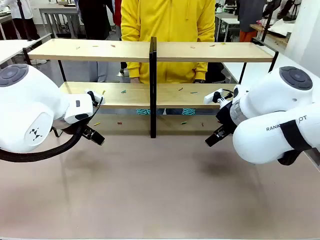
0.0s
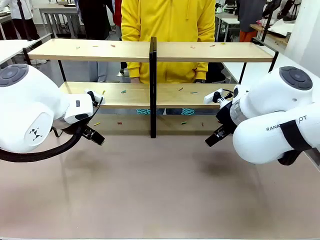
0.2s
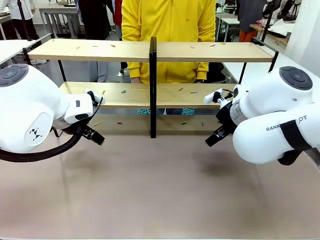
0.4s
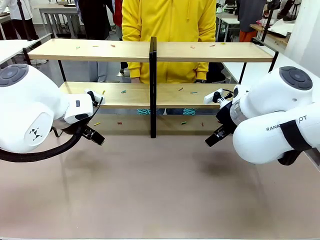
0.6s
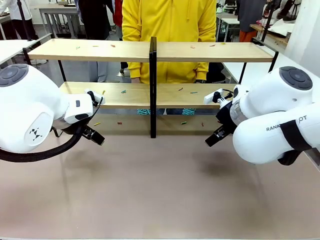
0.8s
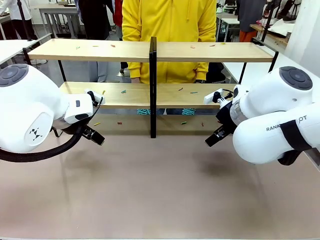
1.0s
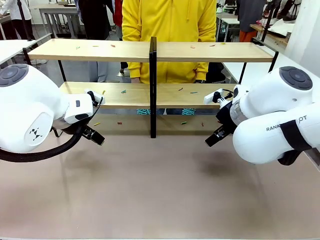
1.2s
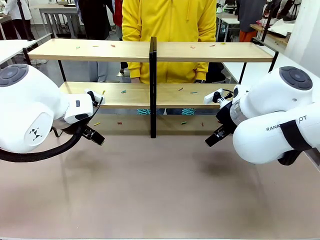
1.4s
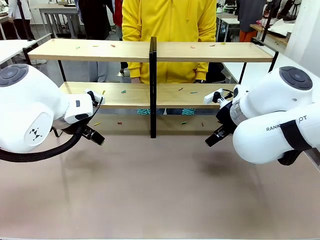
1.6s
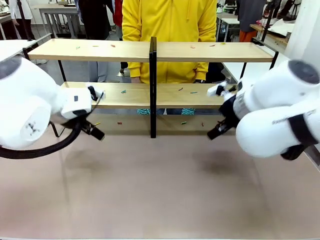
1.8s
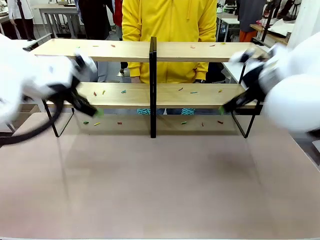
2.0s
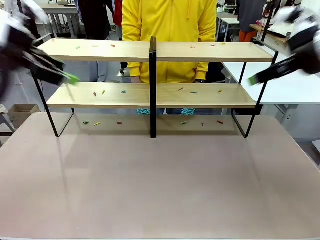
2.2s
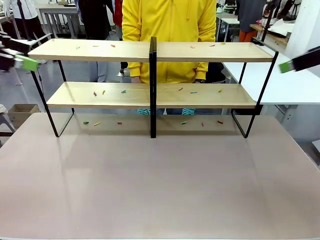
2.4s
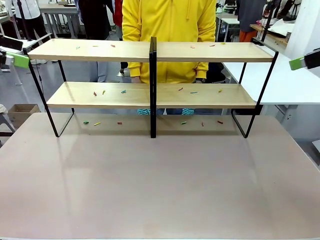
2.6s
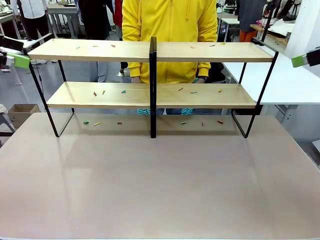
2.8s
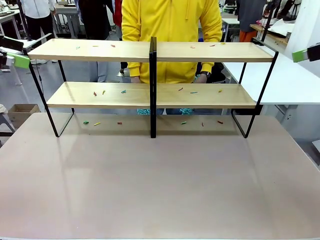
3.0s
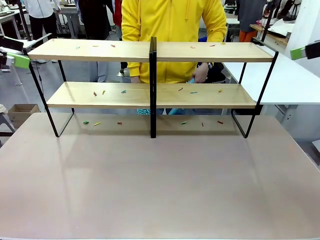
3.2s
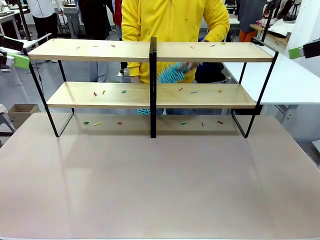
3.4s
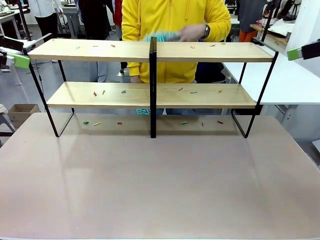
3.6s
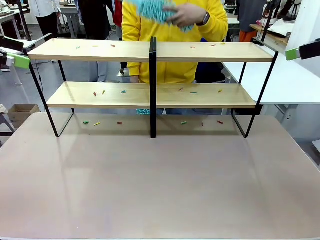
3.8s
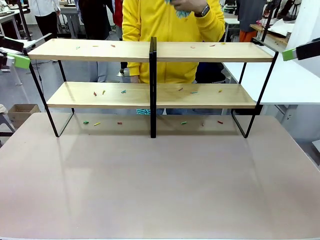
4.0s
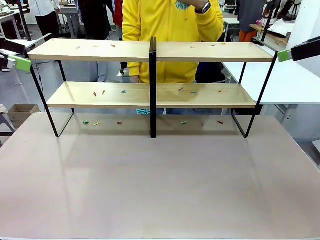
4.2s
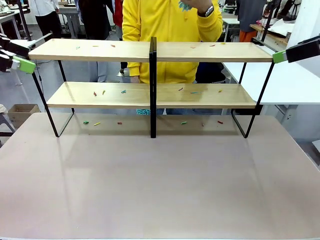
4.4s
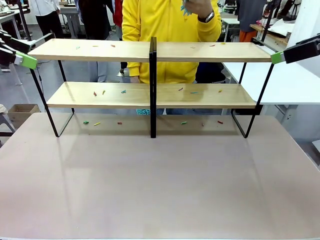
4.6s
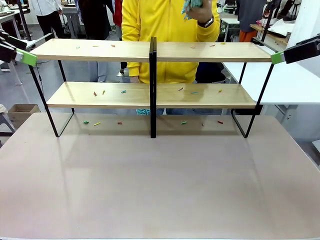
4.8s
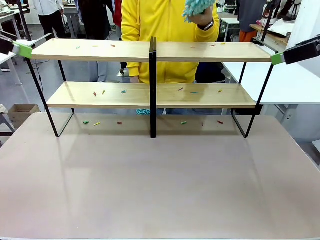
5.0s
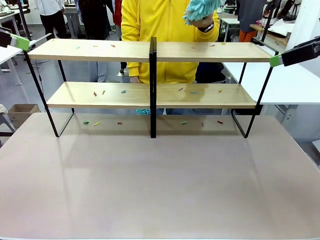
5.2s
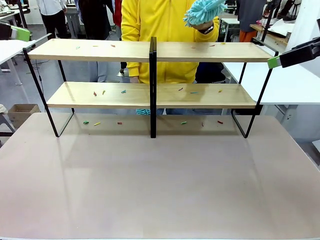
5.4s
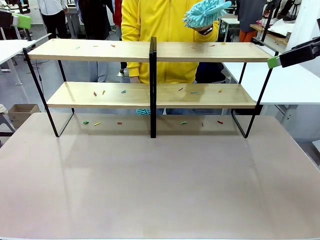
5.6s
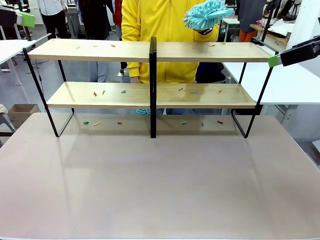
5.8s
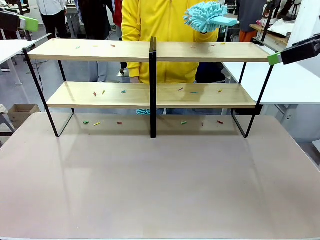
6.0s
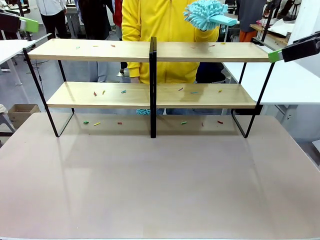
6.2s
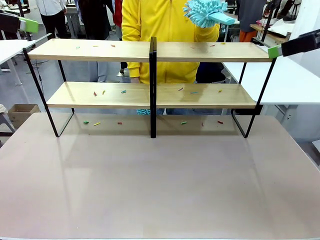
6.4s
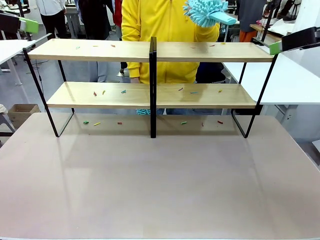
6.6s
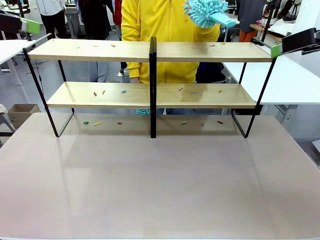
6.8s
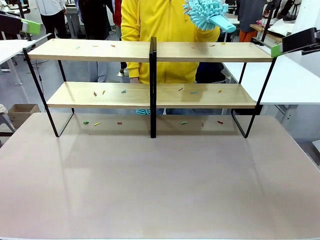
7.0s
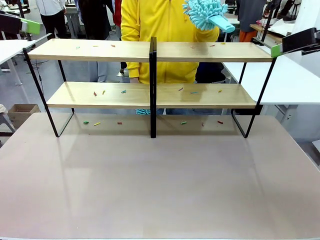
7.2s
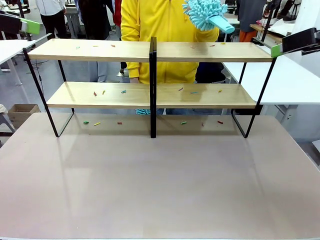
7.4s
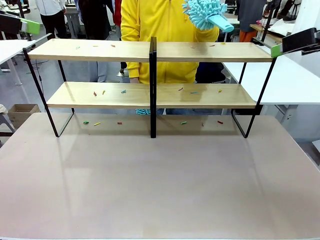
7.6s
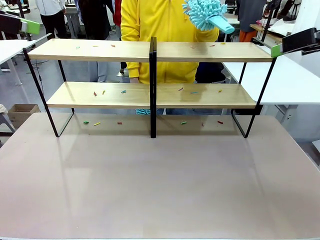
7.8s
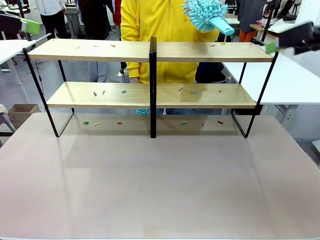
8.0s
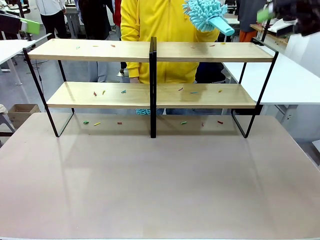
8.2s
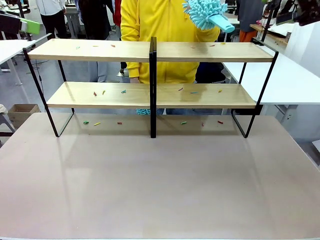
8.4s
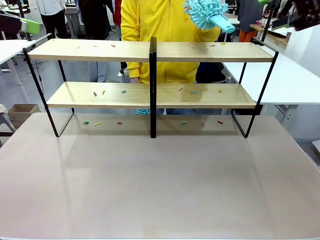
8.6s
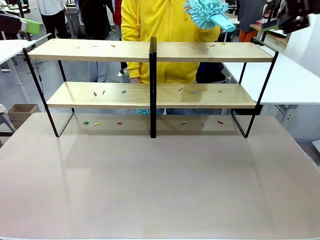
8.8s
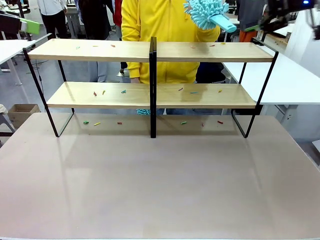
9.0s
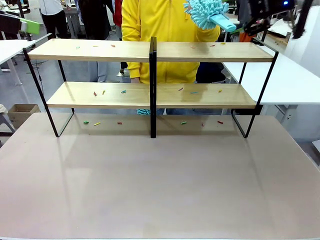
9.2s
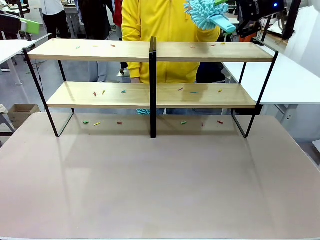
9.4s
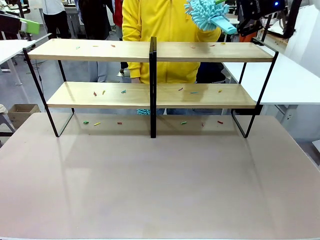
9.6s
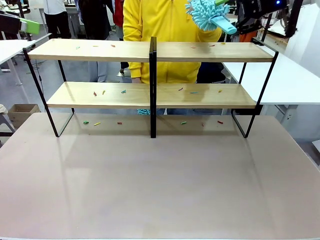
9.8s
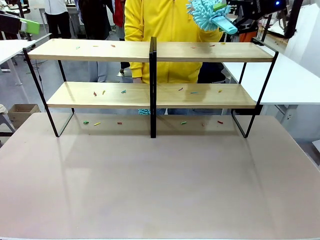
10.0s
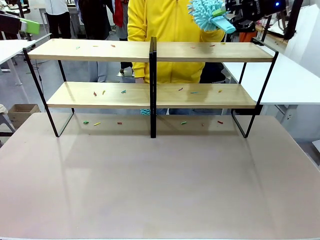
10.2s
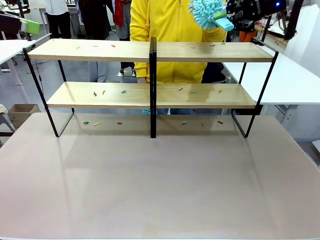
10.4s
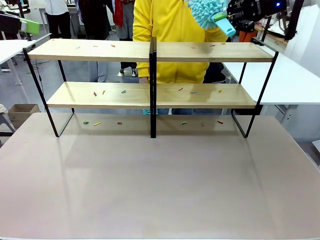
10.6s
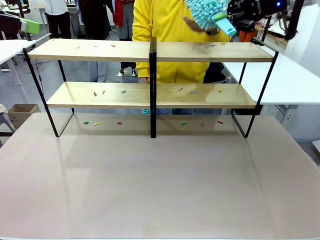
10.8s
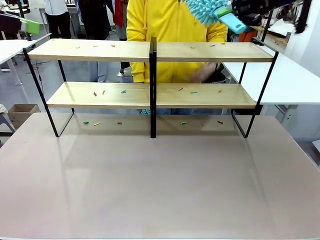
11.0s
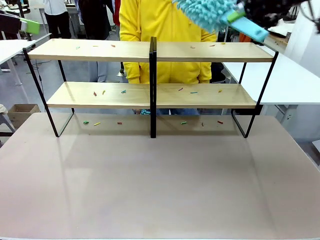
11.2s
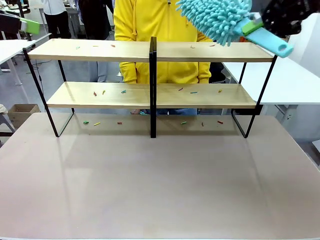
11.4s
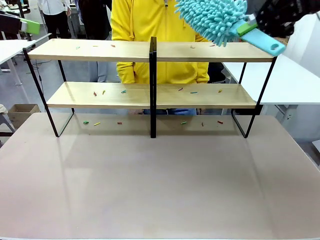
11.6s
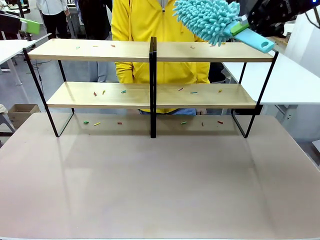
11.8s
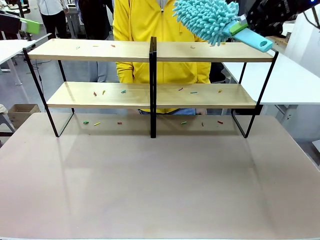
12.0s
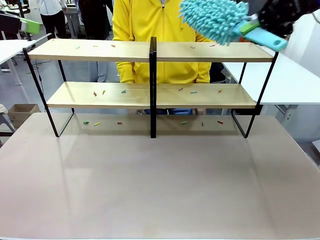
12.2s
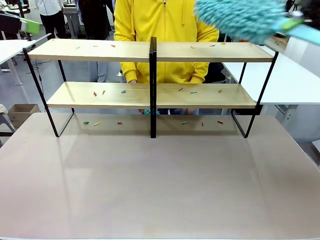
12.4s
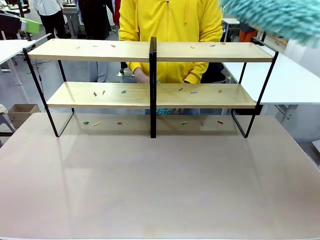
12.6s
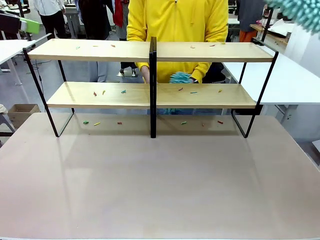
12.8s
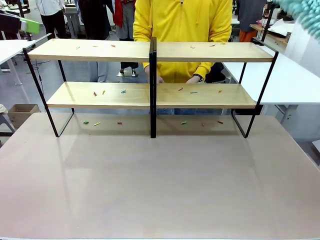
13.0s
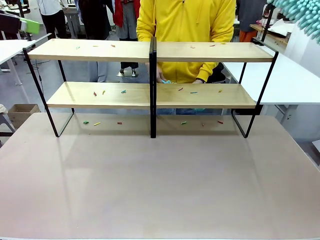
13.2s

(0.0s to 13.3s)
Task: Clean the shelves.
Robot: Pick up the Duster when the human hands it over.
Person: Hand the Duster to the robot with your right (or left) hand.

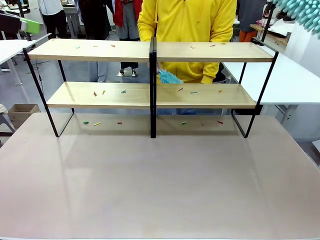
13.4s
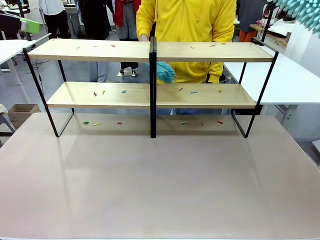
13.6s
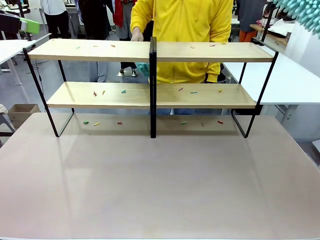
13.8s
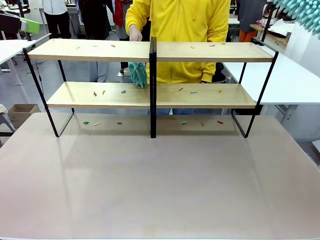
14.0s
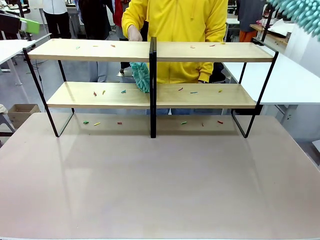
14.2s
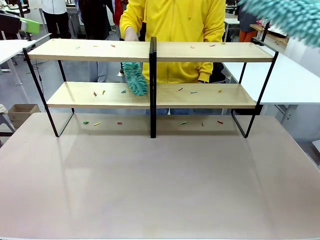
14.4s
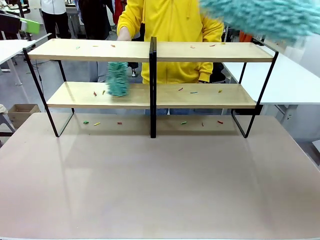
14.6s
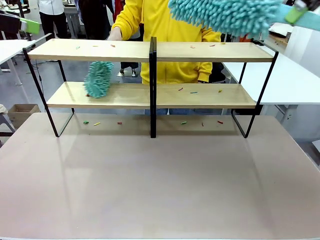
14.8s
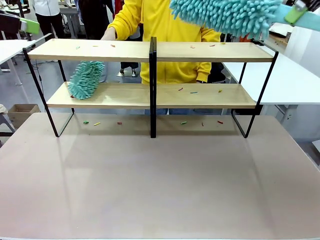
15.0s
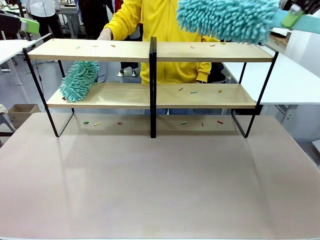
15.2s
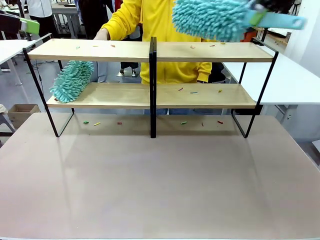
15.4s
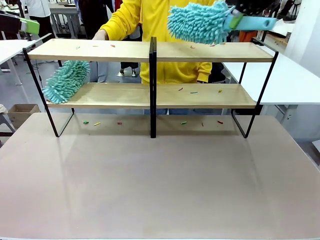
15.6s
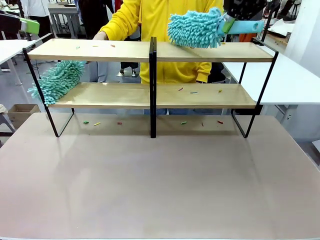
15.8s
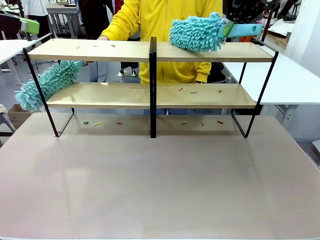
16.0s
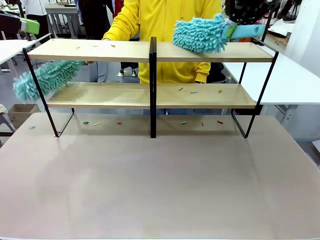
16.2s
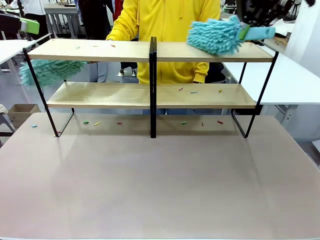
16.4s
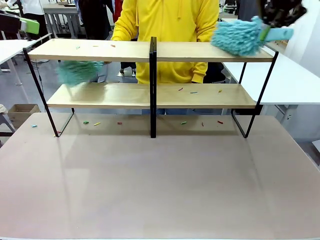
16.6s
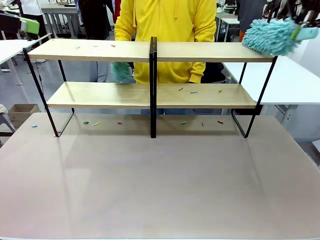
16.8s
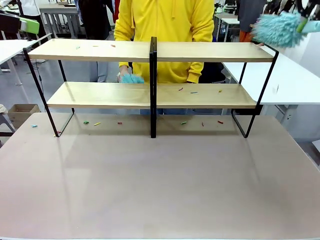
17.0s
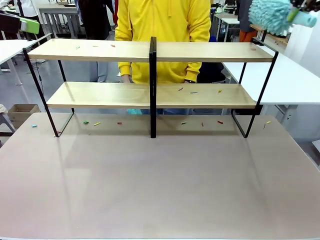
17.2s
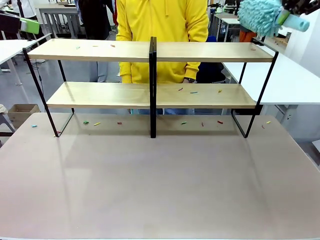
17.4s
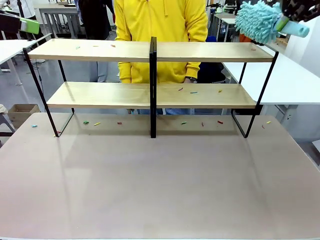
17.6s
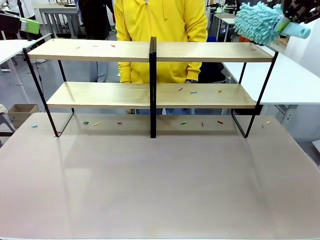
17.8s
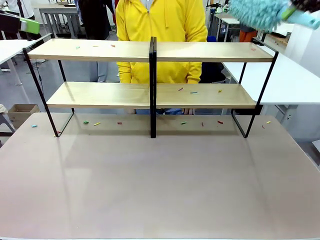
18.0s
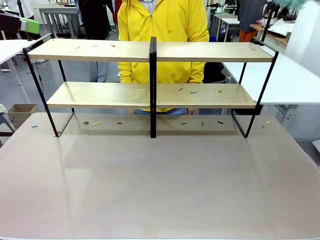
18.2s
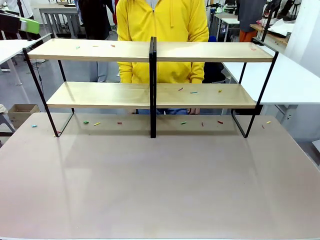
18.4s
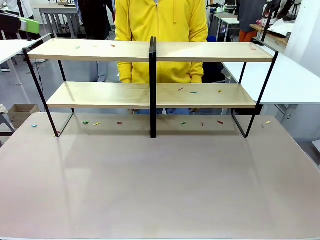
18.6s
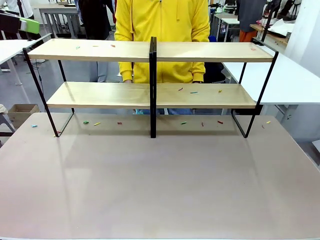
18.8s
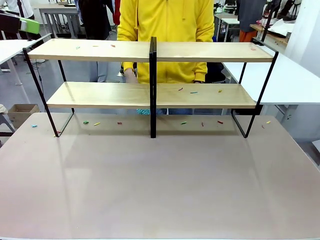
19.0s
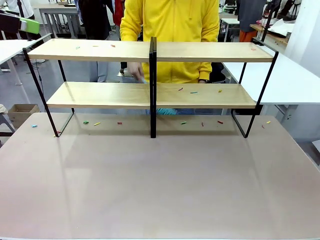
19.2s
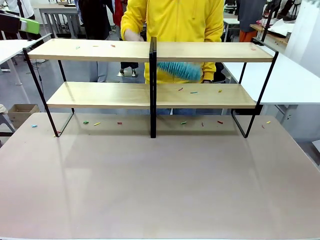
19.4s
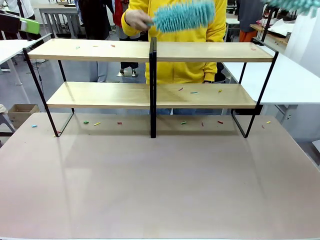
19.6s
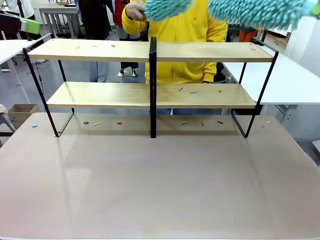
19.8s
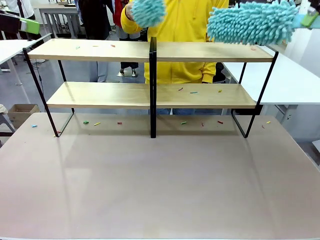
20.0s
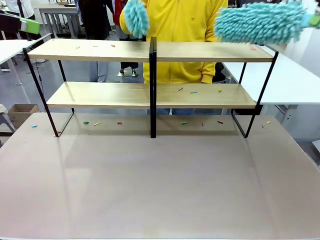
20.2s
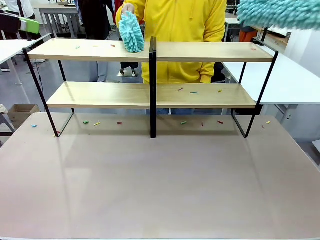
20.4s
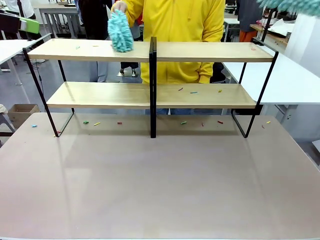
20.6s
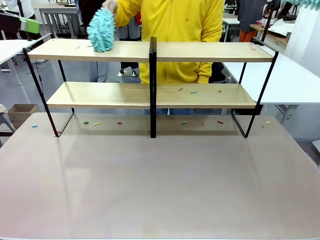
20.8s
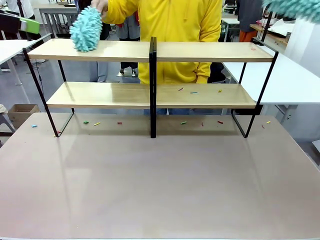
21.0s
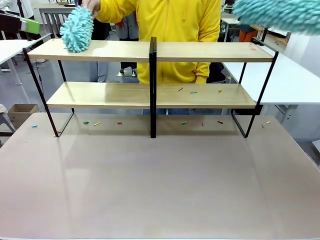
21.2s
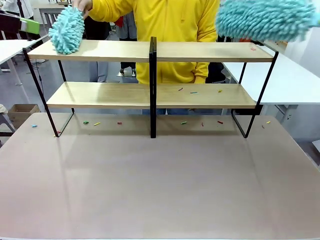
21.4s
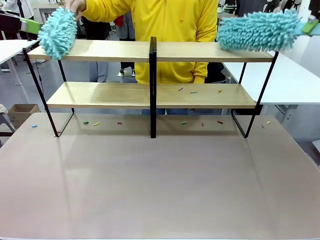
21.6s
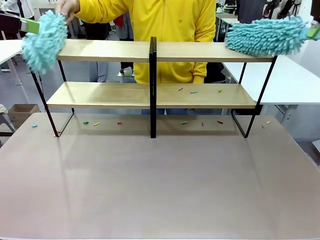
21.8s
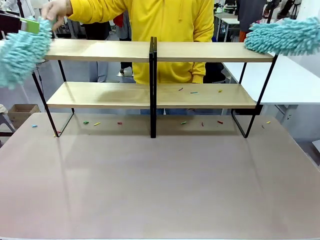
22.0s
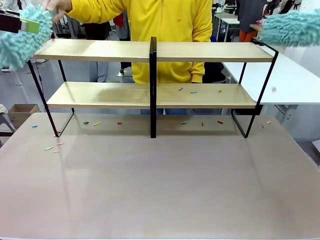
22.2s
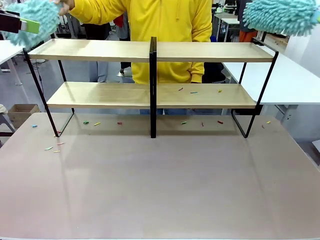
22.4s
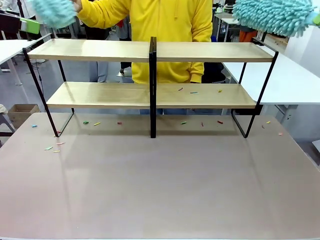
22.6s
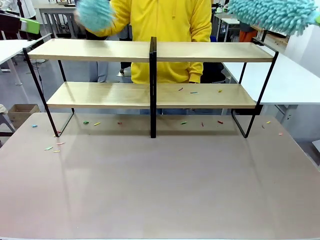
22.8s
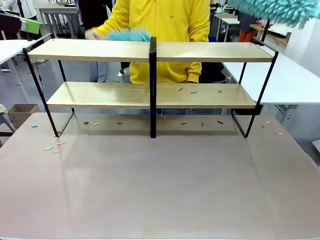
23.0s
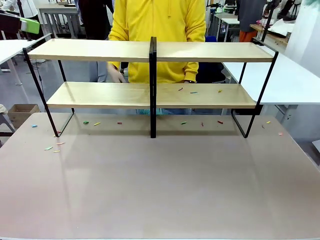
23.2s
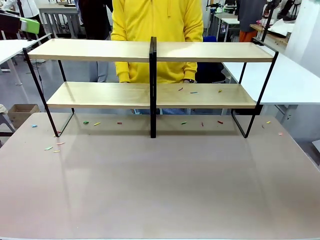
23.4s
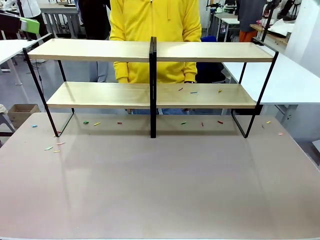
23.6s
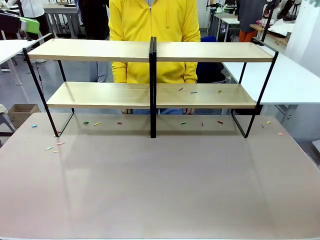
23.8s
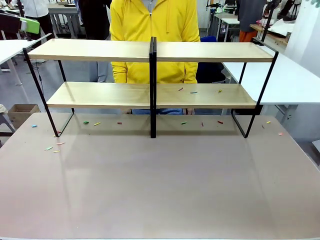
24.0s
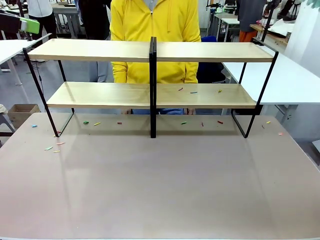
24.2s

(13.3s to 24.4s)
Robot: Clean a randomly selected level of the Shelf with the Duster.
